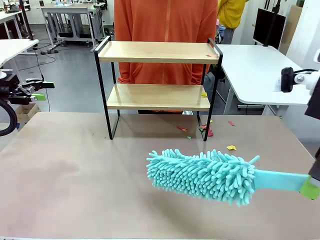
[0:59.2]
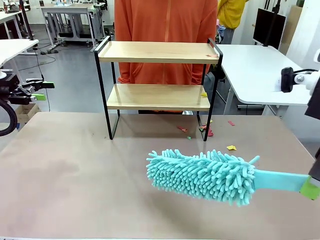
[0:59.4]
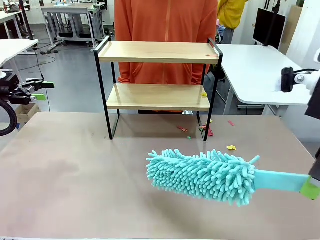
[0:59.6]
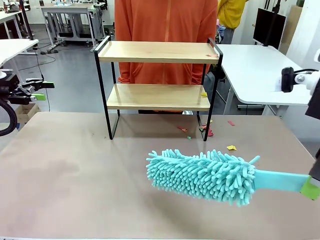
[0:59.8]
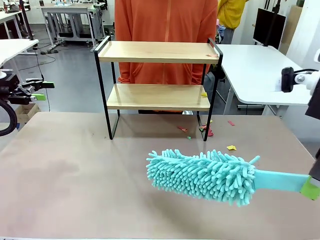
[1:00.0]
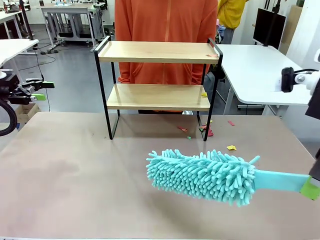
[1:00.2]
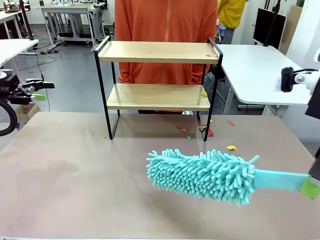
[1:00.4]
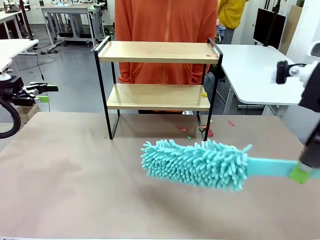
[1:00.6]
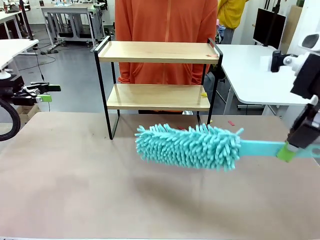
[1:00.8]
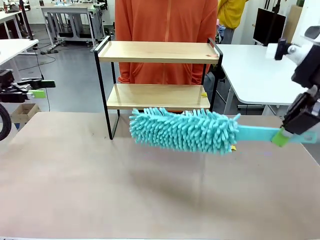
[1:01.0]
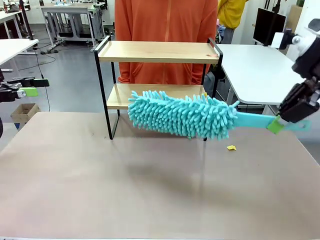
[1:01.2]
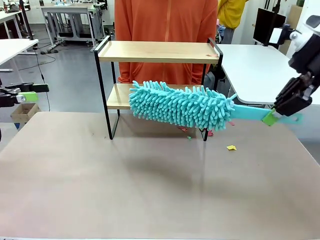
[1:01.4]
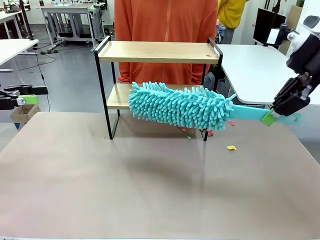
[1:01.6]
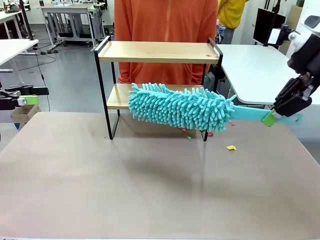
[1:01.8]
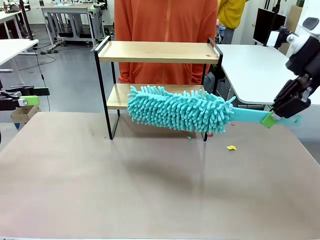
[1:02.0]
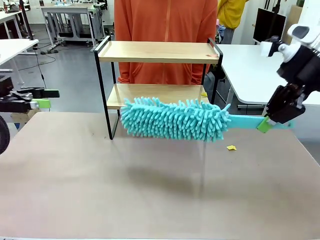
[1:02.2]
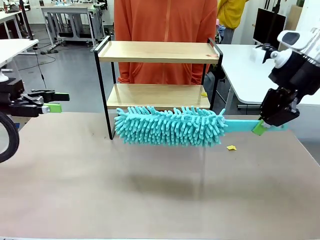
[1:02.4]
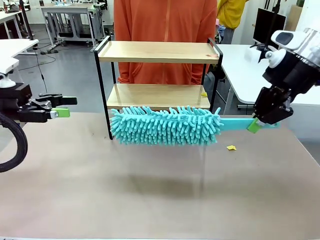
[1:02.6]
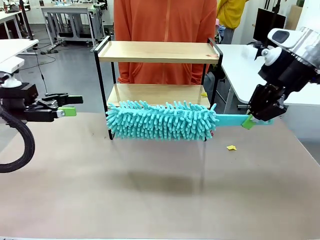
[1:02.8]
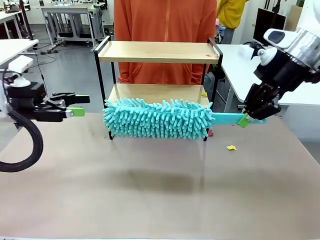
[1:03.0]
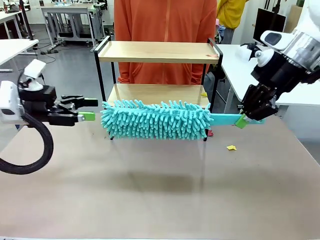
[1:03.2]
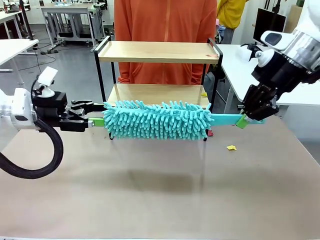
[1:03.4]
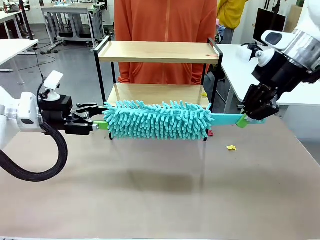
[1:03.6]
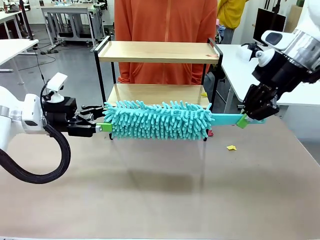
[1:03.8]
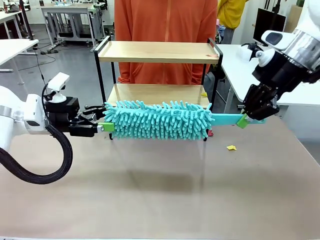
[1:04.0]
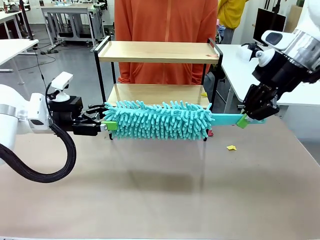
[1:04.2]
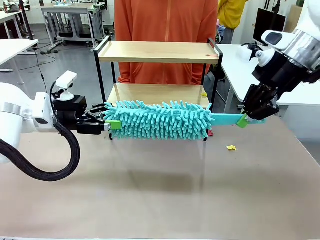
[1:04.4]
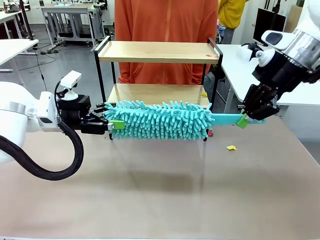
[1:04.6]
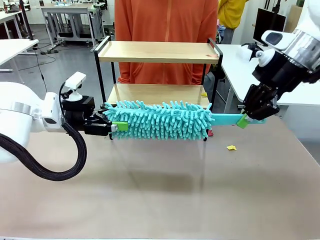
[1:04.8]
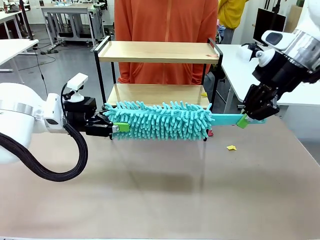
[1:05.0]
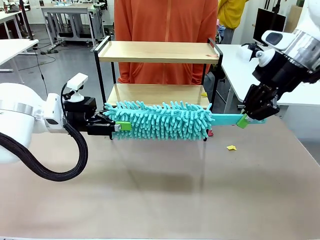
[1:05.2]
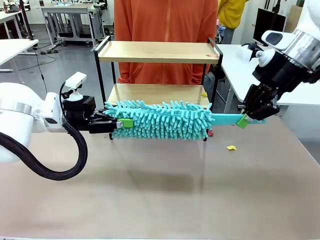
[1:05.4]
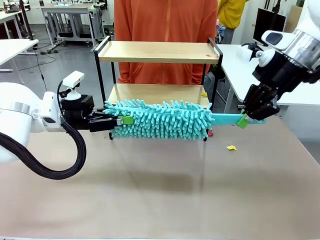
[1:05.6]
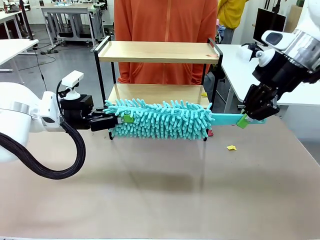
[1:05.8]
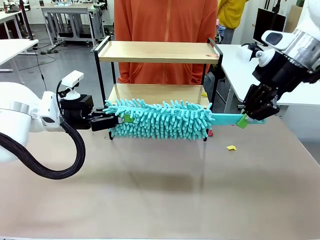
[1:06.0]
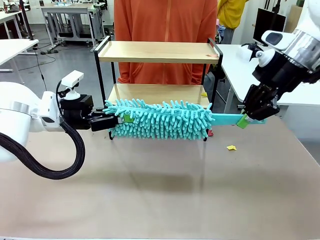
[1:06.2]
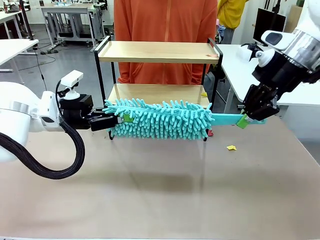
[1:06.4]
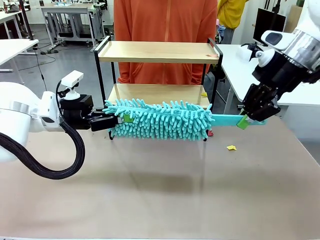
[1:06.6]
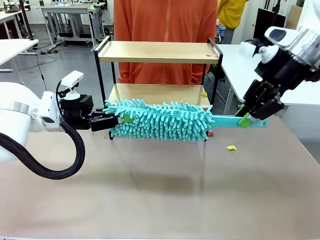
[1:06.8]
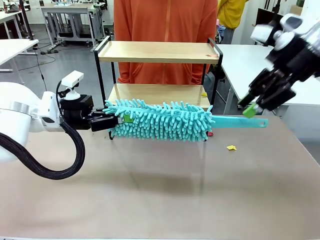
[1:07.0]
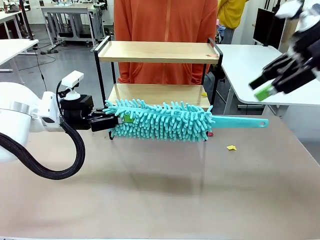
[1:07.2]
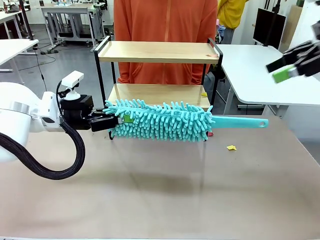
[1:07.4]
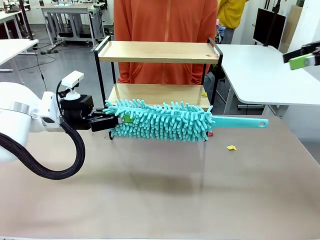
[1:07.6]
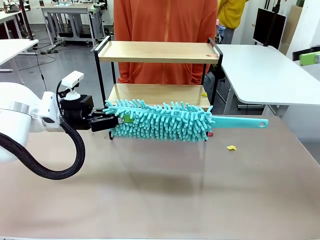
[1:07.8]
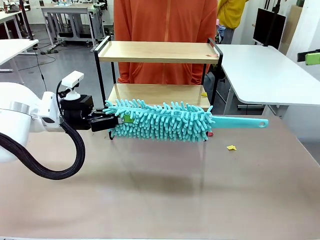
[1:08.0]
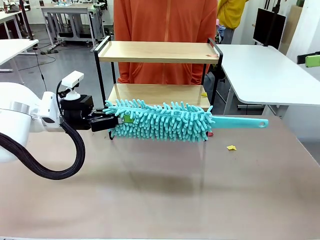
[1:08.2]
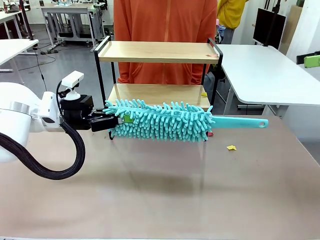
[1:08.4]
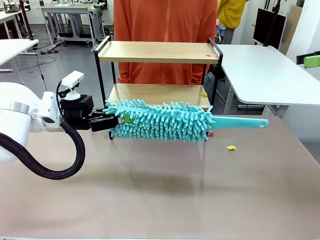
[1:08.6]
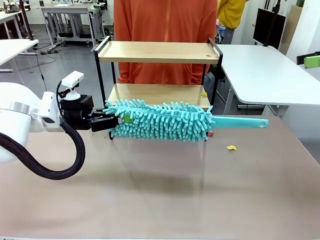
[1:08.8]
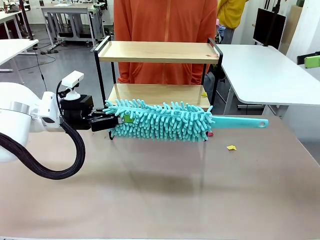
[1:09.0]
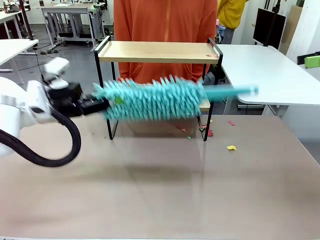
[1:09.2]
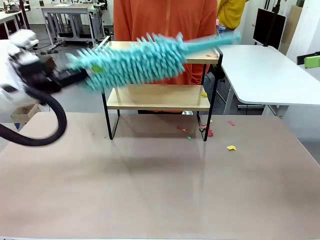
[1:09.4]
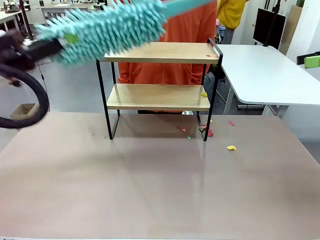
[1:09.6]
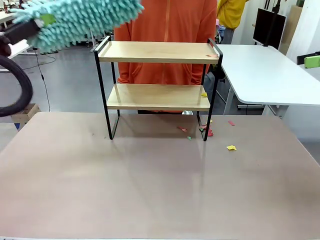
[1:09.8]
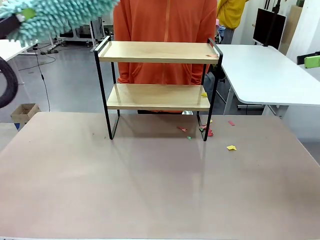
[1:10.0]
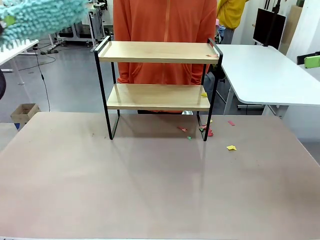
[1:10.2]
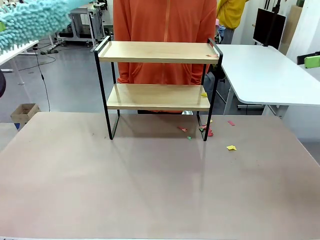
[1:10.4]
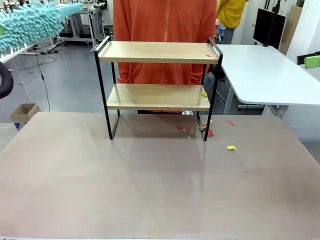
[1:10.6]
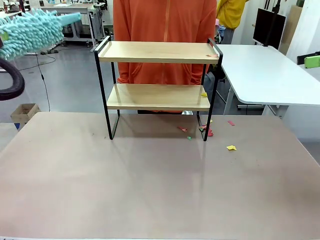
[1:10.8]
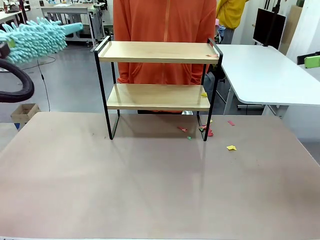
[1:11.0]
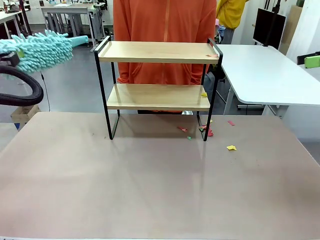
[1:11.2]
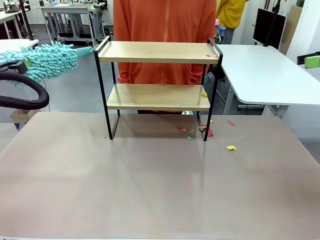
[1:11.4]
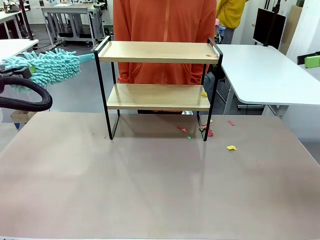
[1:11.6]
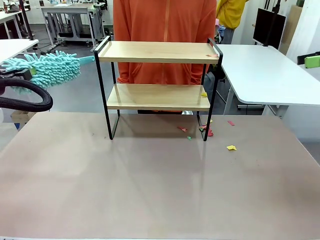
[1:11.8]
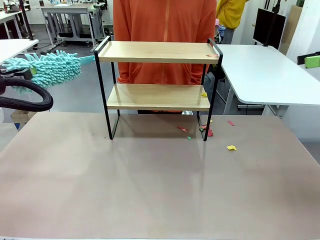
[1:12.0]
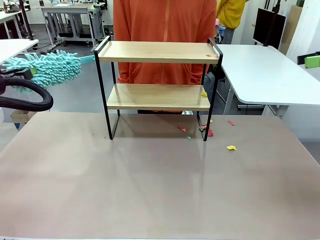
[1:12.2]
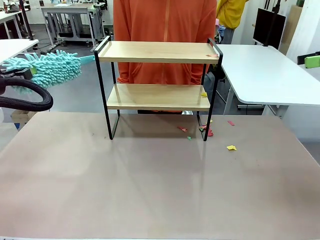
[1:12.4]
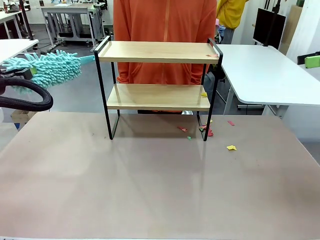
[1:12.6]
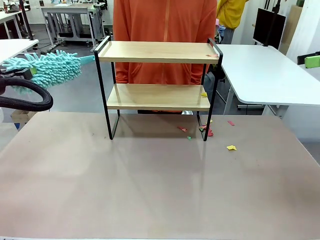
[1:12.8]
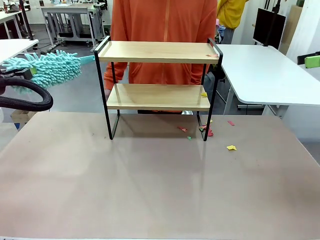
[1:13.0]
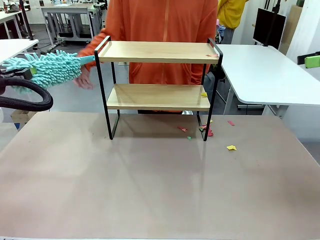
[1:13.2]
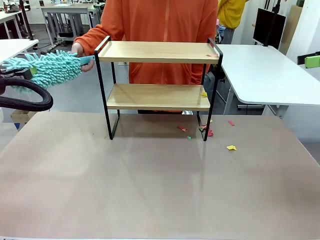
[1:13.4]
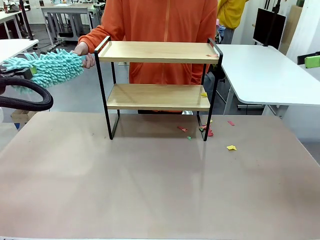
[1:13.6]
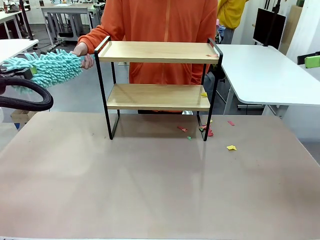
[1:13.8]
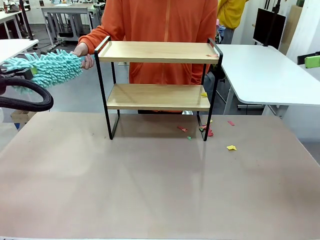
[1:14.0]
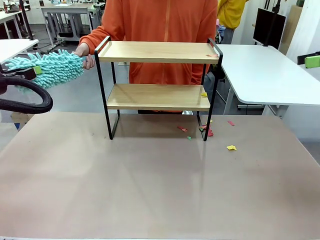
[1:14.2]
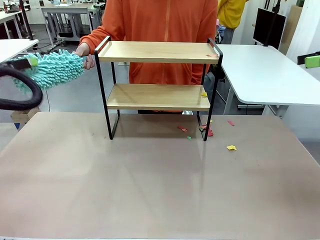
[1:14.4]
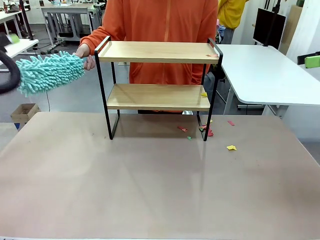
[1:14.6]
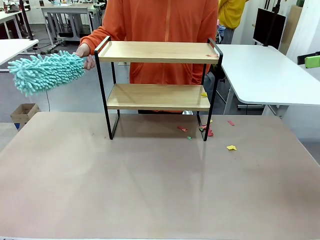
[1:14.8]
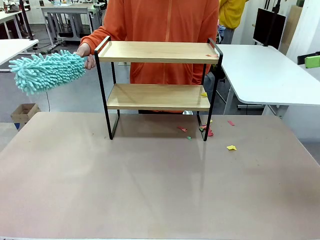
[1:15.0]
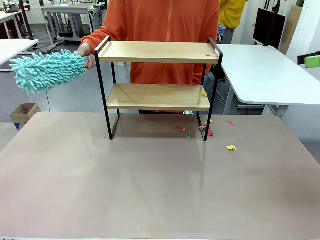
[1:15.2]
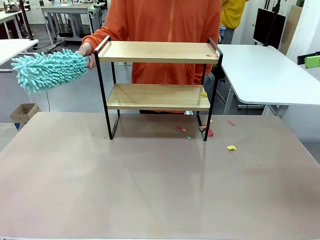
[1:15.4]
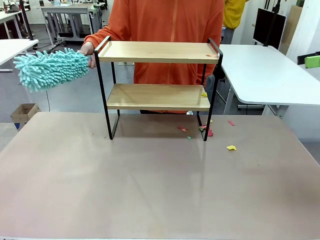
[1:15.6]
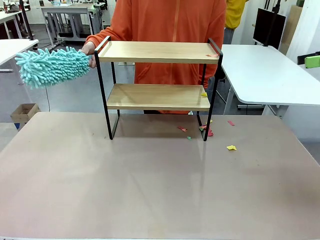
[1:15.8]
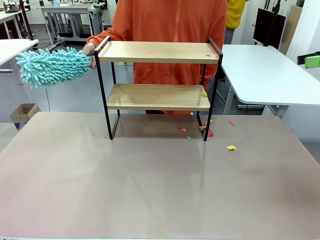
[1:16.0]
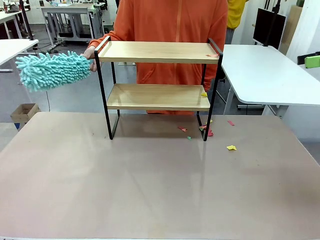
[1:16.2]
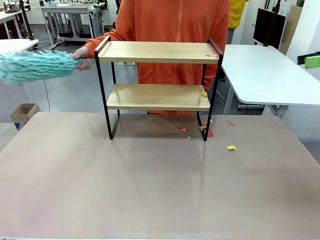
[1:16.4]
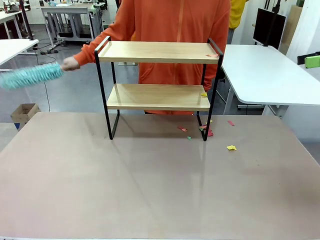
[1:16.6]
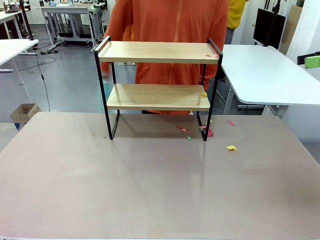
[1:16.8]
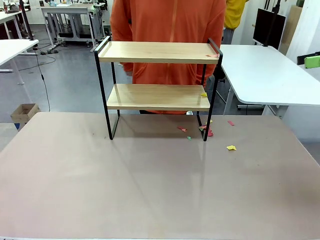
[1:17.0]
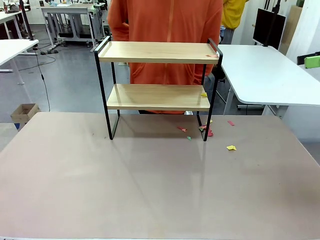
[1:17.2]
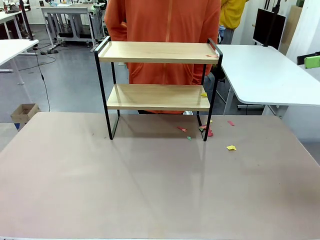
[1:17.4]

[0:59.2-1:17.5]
Task: Clean the shelf.
Robot: Hand the Duster back to the human.
Person: Receive the Duster from the robot.
